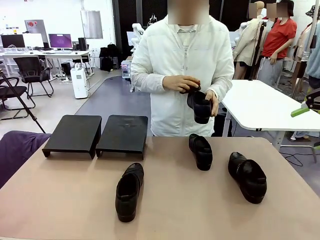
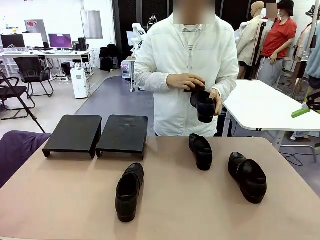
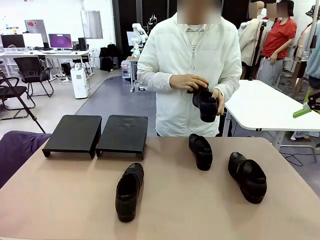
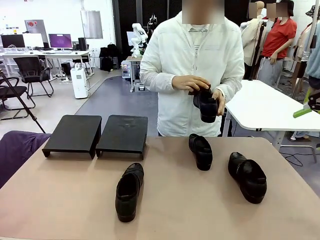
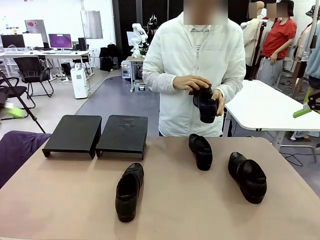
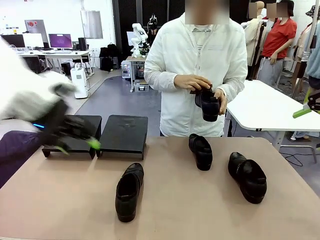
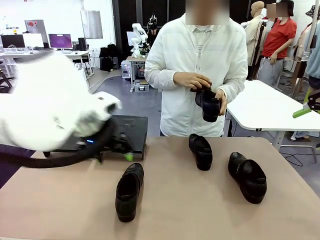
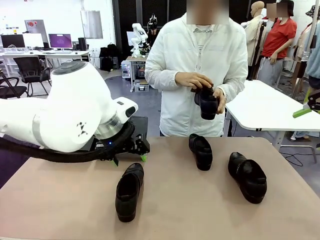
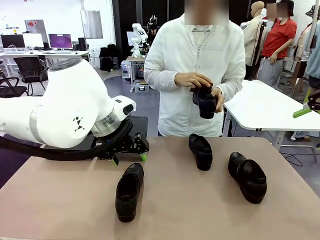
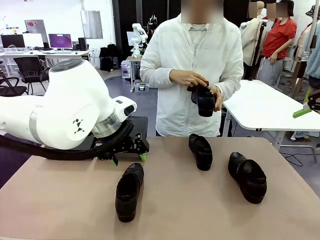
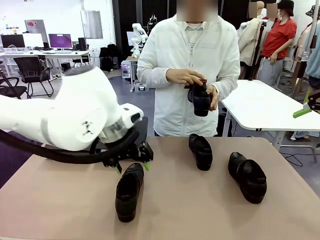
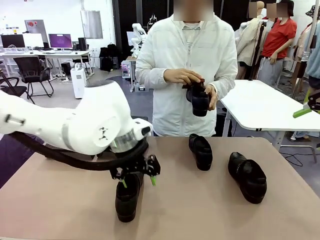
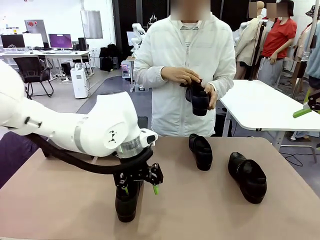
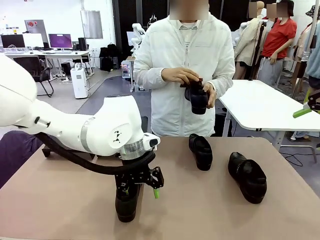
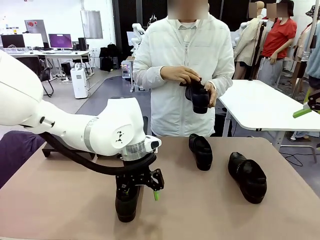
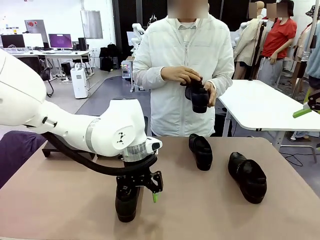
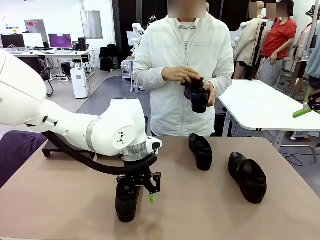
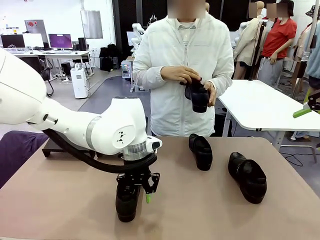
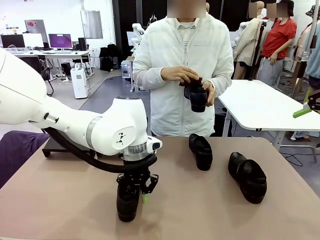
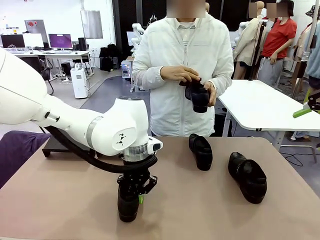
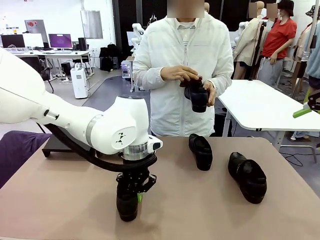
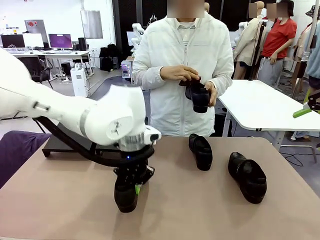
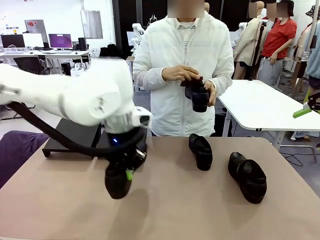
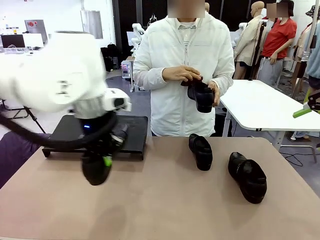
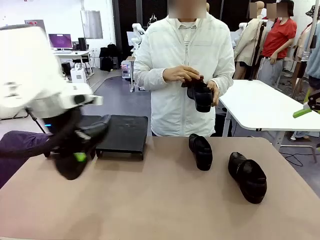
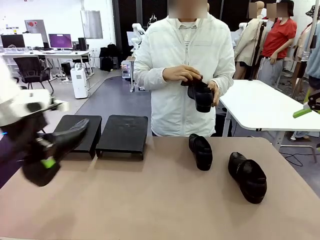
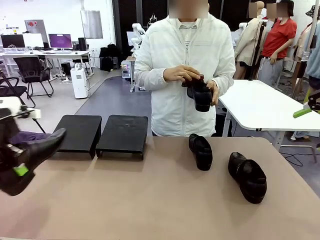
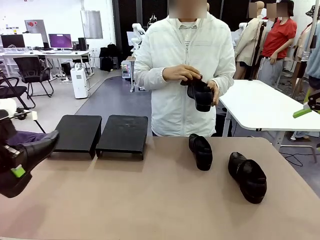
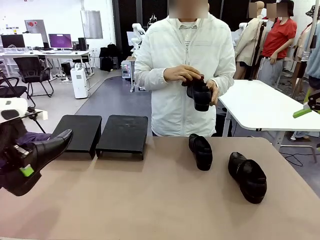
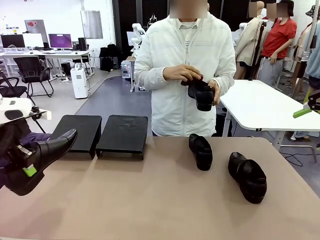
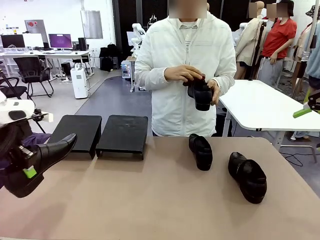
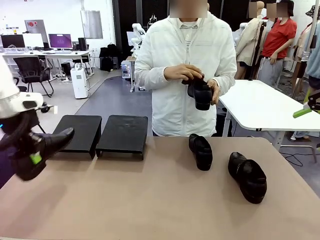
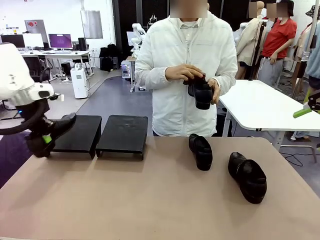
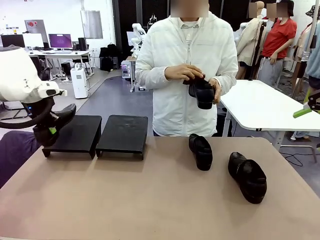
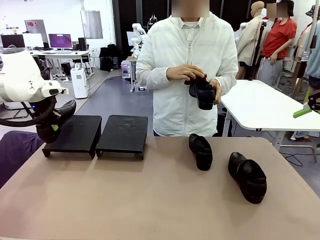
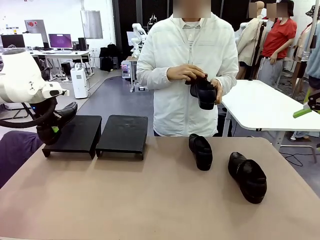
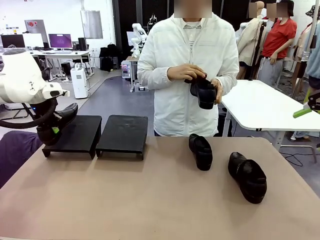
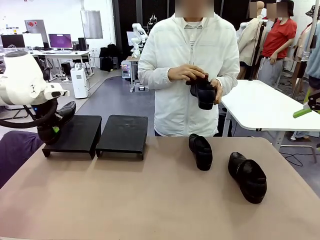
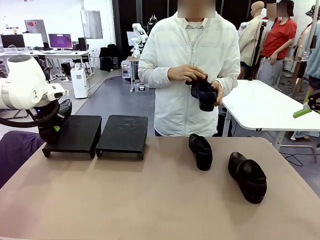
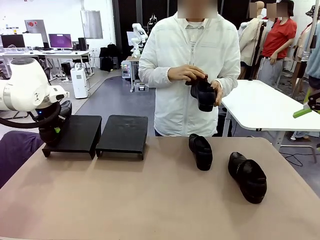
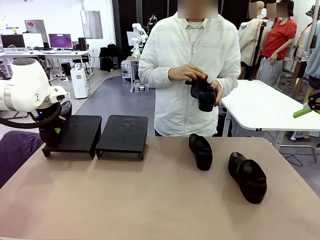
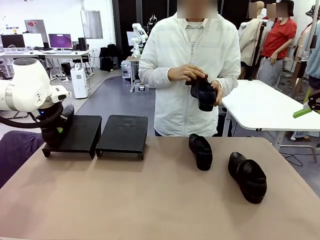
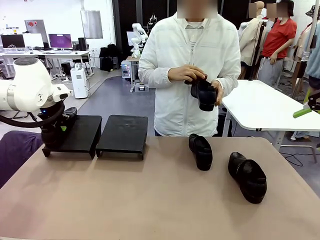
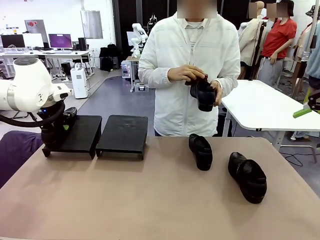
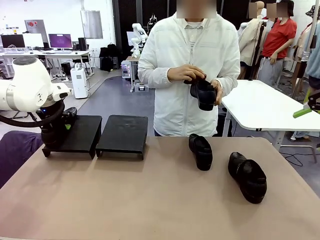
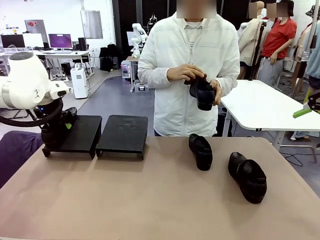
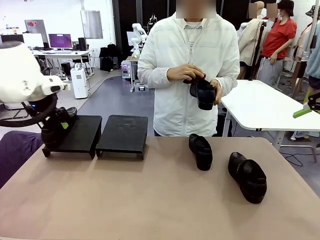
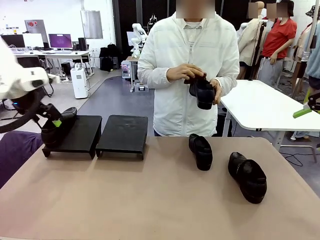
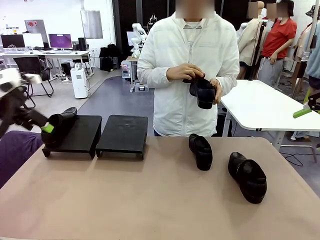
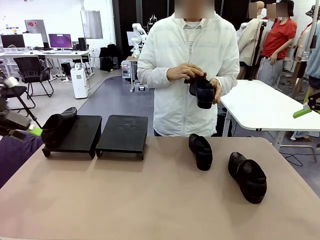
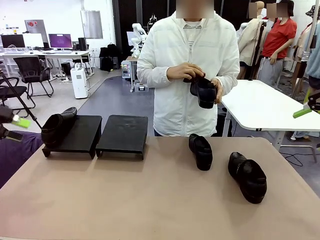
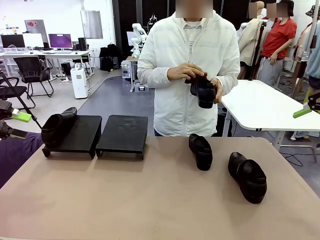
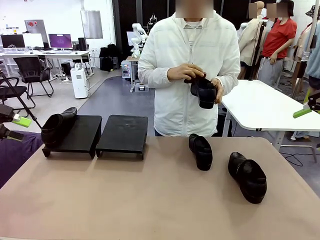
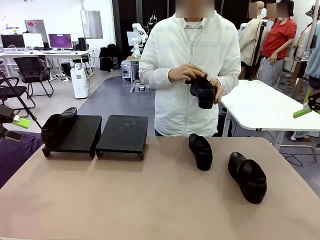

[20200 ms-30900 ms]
Task: Organize the shoes by placing them on the stand.
Robot: Place the Shoe from the middle of the table onto the Shoes Stand.
Person: Clean the Shoe with the Shoe Brush.

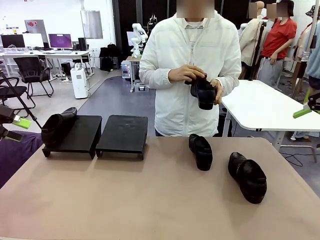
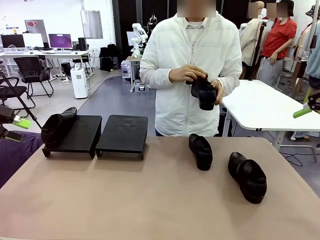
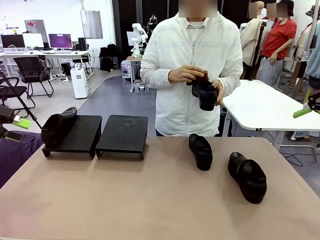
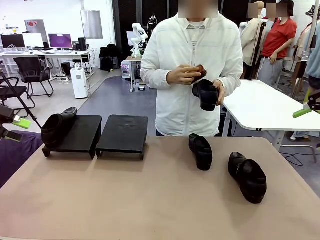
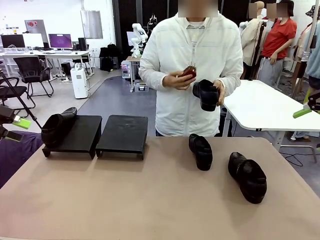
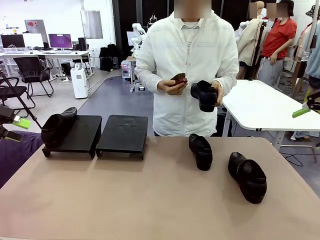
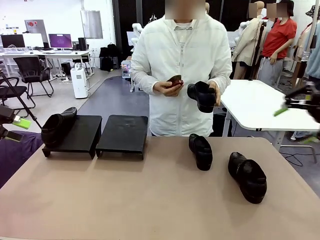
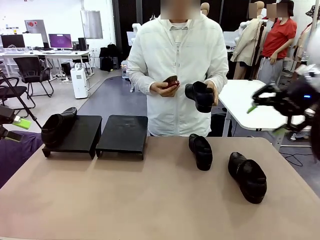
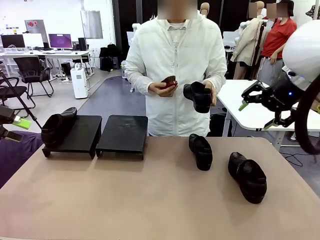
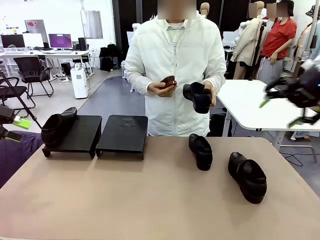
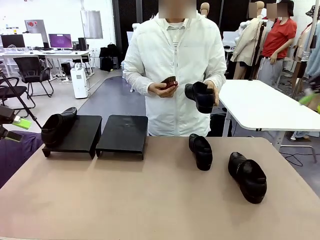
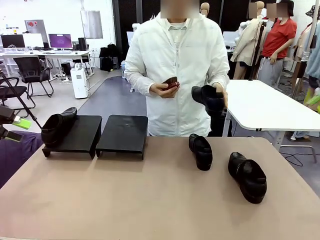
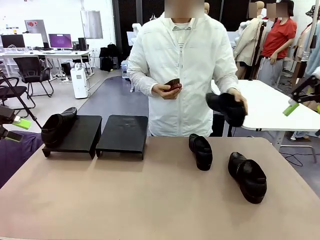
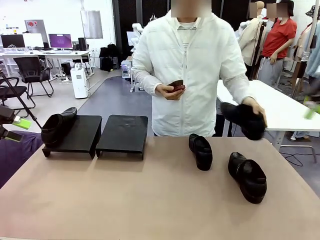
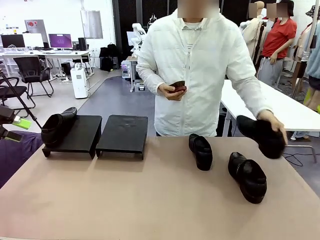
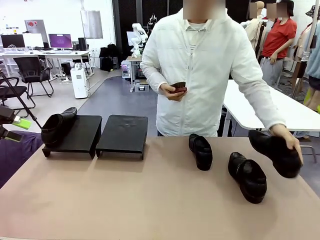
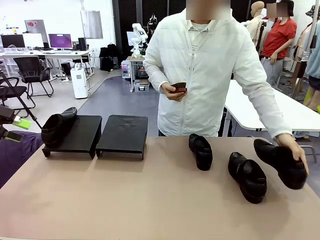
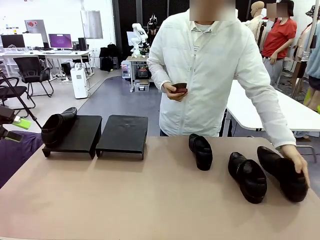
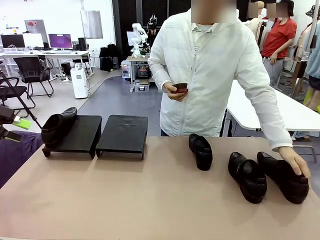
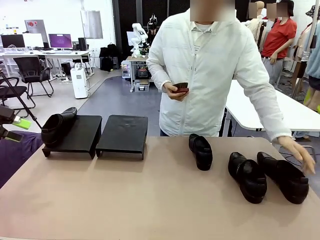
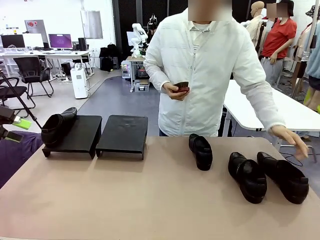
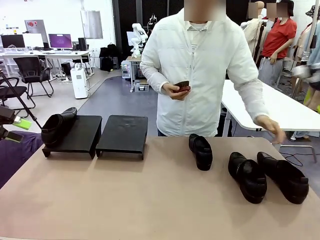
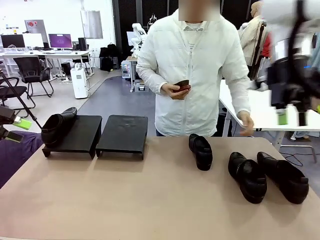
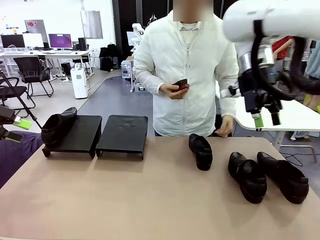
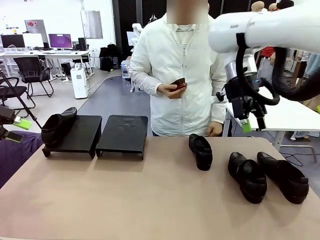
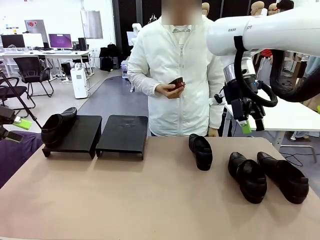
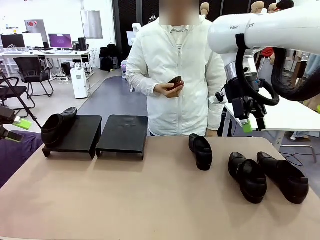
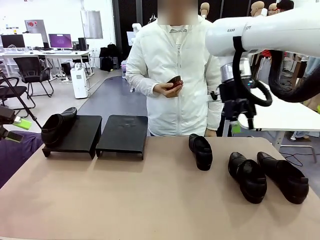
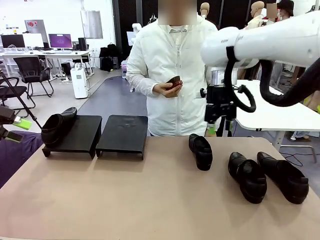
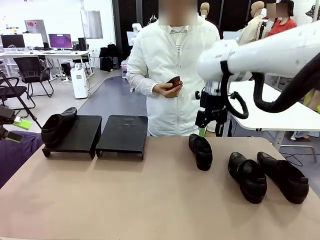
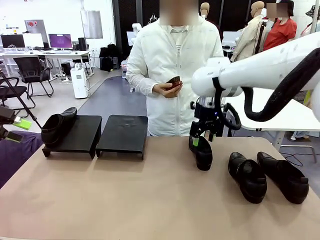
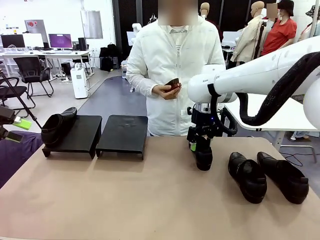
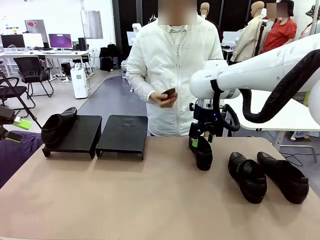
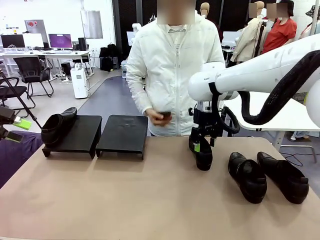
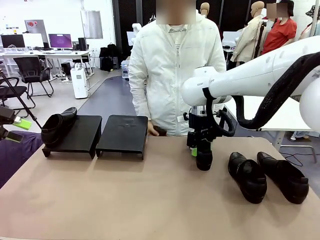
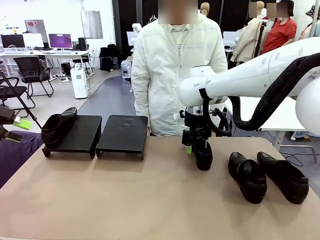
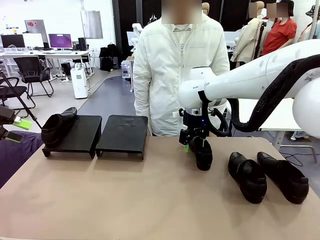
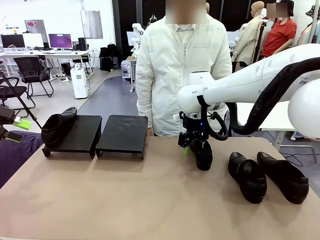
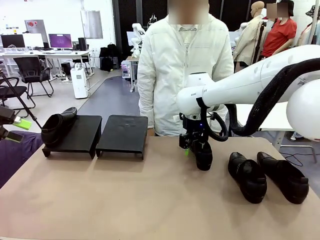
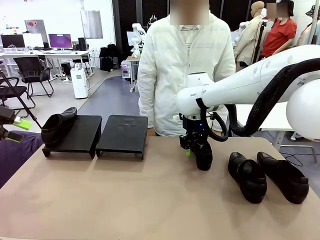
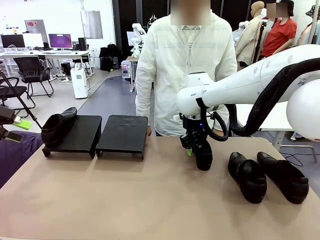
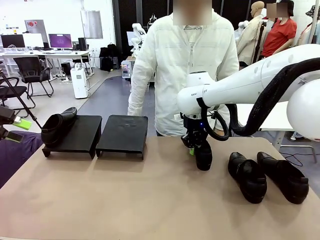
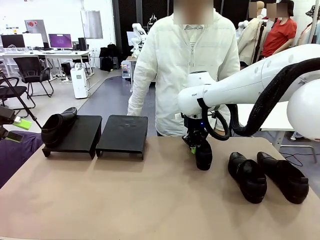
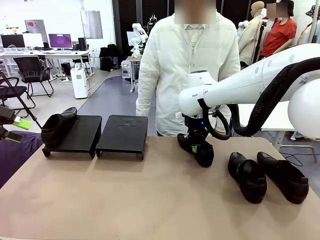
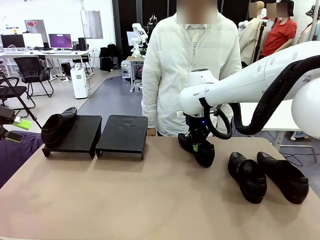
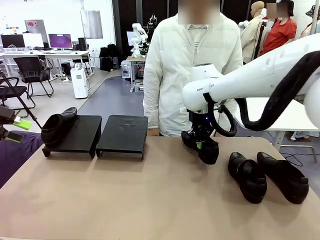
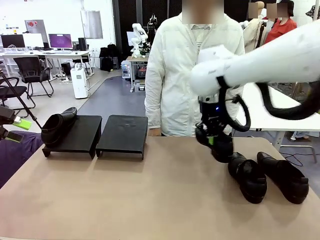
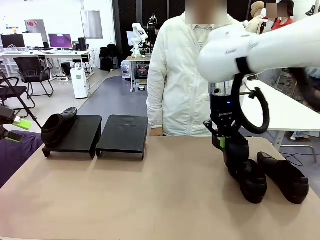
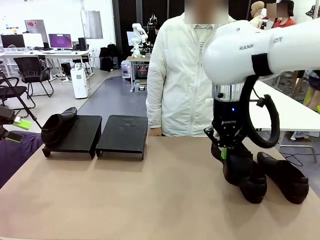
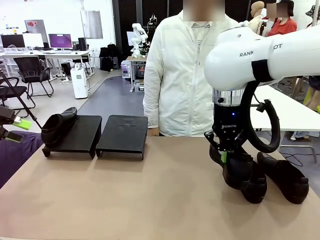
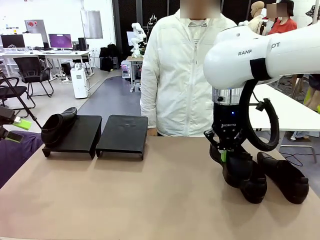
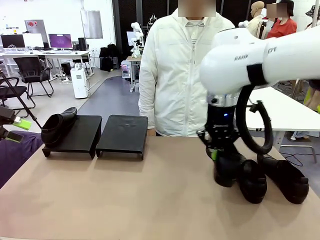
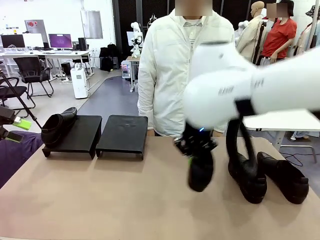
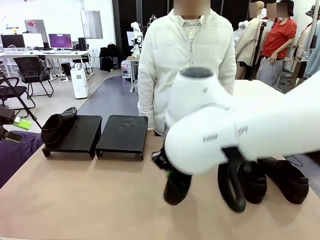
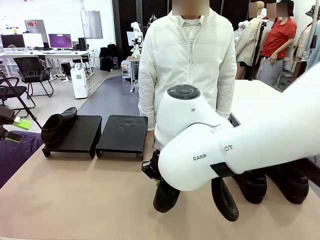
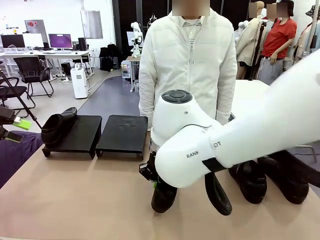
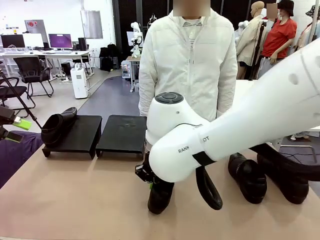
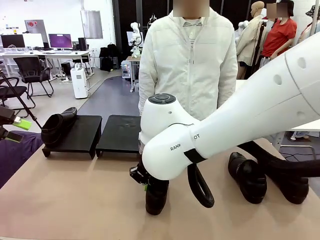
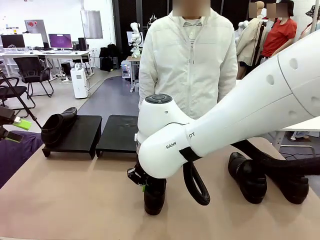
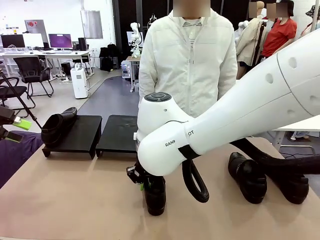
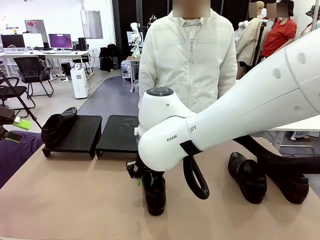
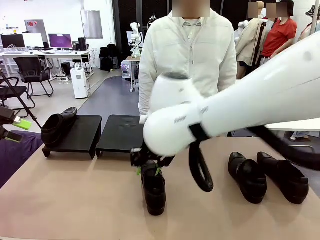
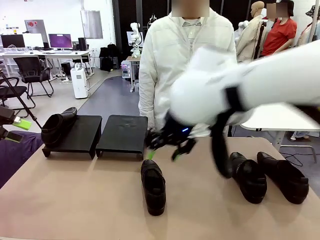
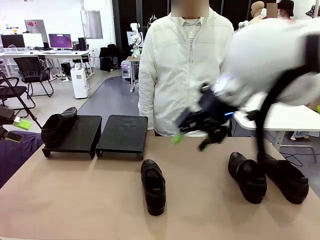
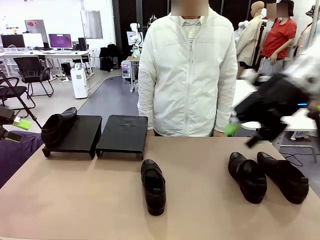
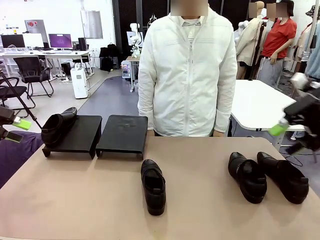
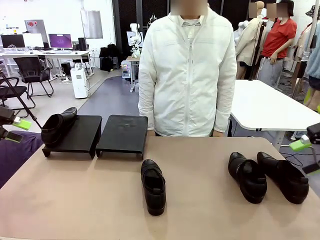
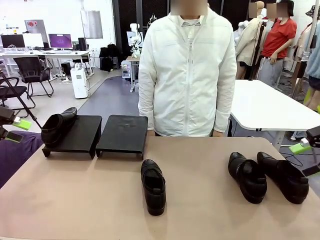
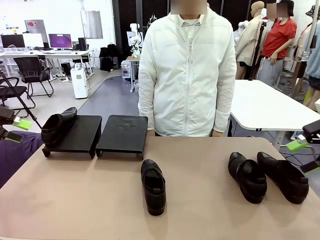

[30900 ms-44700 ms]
Robot: Pick up one Shoe and place it in the middle of the table.
